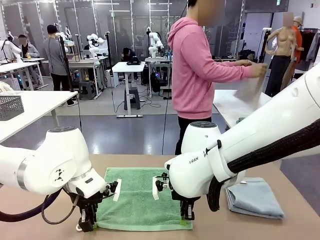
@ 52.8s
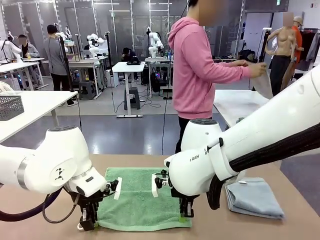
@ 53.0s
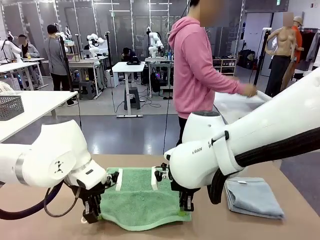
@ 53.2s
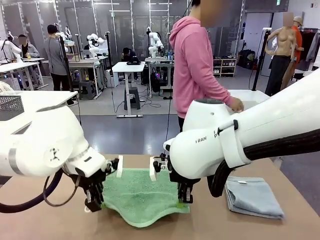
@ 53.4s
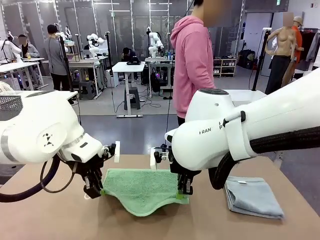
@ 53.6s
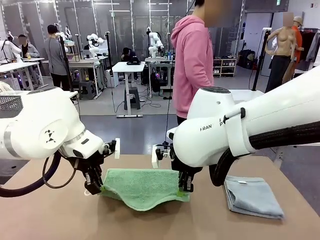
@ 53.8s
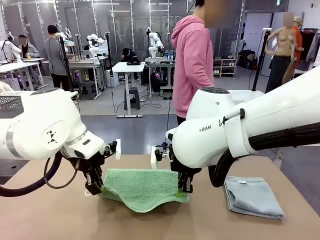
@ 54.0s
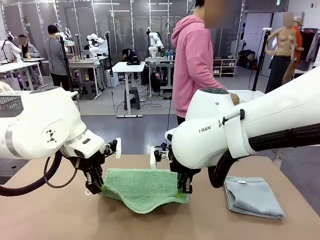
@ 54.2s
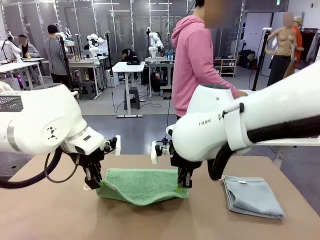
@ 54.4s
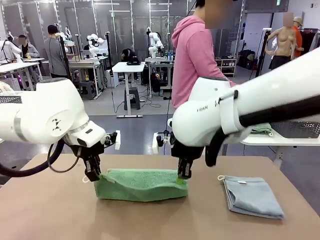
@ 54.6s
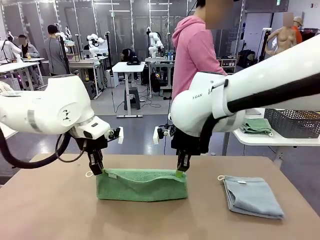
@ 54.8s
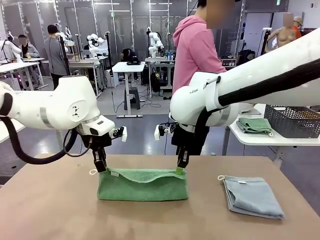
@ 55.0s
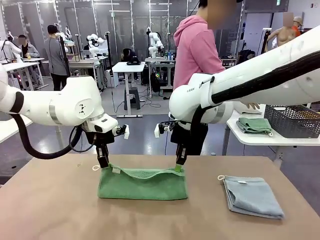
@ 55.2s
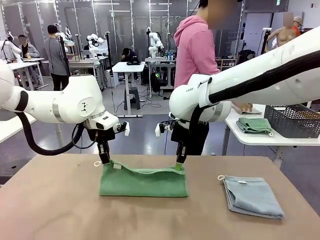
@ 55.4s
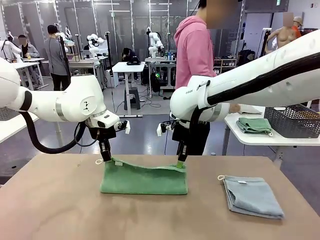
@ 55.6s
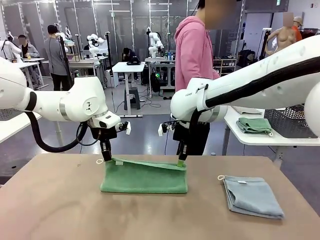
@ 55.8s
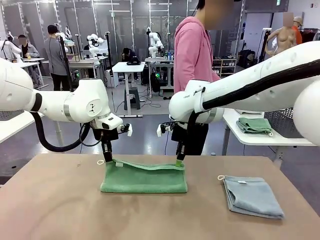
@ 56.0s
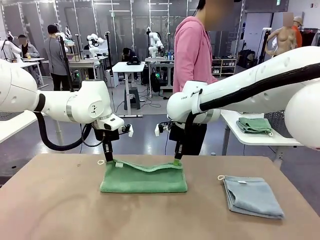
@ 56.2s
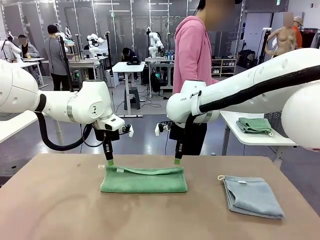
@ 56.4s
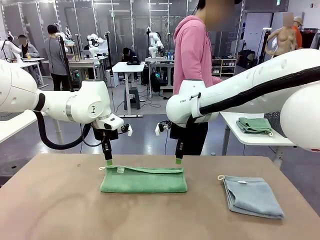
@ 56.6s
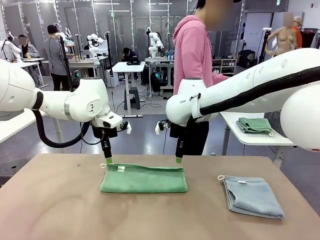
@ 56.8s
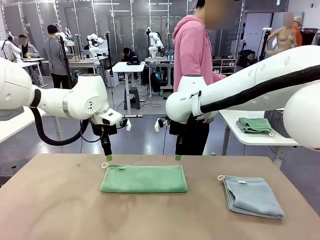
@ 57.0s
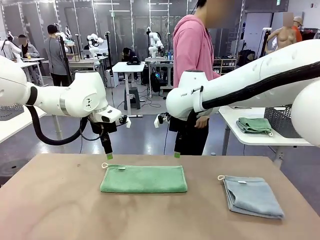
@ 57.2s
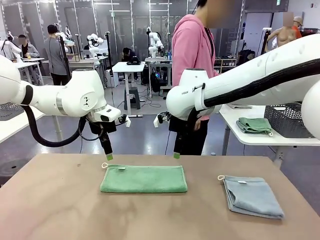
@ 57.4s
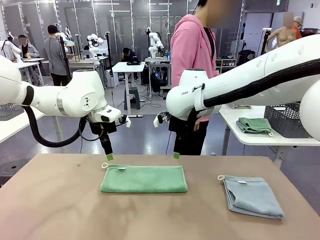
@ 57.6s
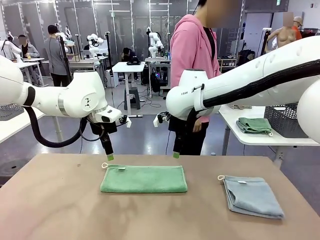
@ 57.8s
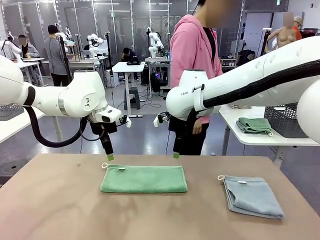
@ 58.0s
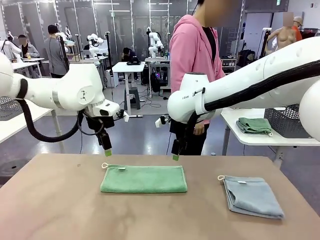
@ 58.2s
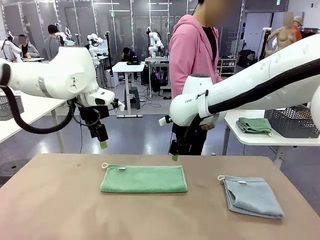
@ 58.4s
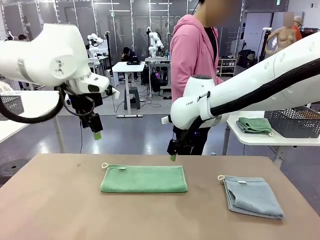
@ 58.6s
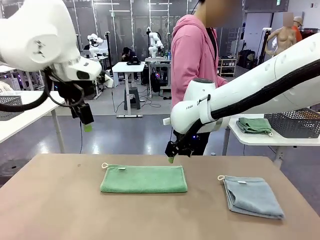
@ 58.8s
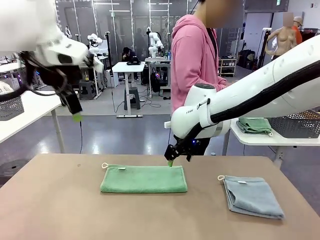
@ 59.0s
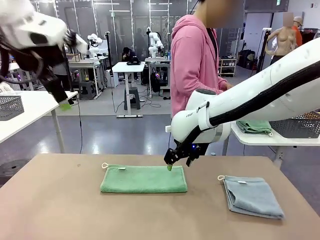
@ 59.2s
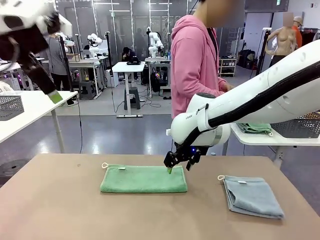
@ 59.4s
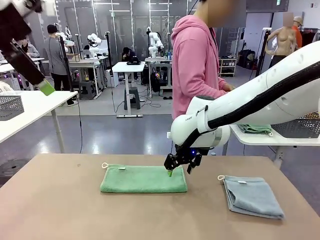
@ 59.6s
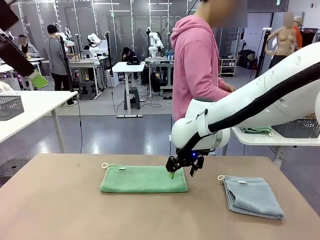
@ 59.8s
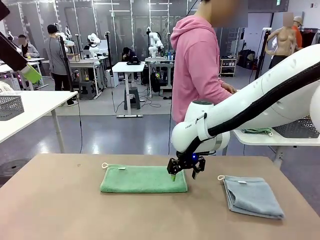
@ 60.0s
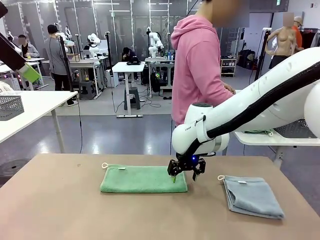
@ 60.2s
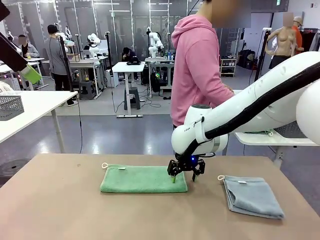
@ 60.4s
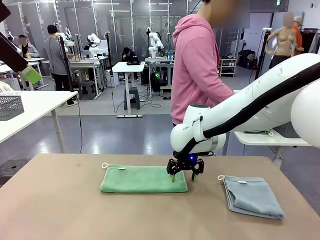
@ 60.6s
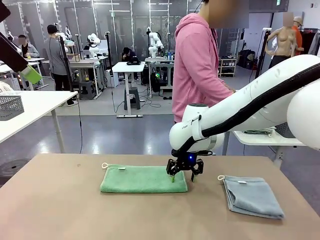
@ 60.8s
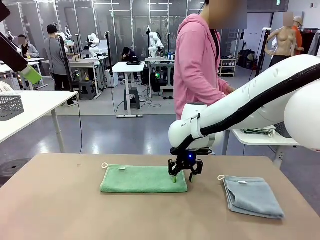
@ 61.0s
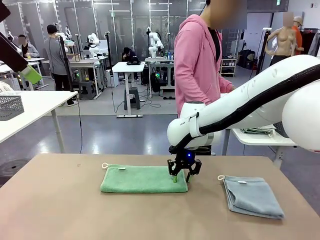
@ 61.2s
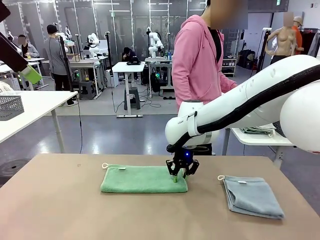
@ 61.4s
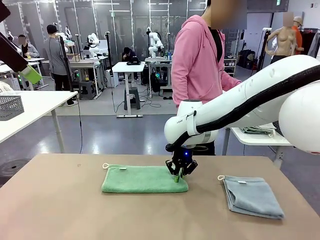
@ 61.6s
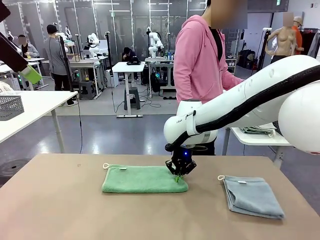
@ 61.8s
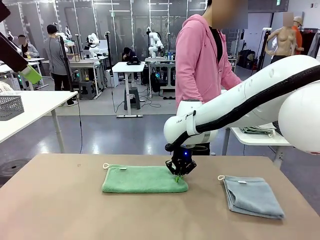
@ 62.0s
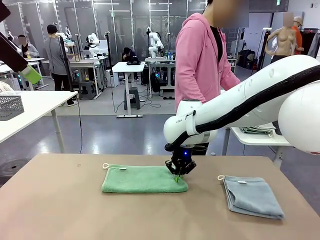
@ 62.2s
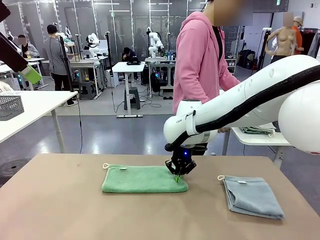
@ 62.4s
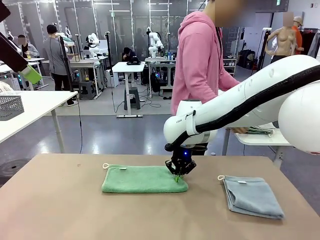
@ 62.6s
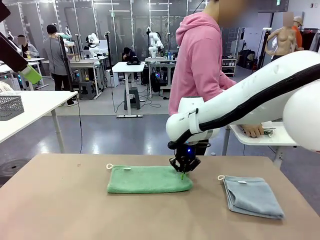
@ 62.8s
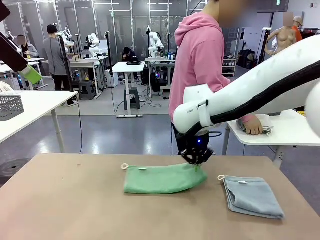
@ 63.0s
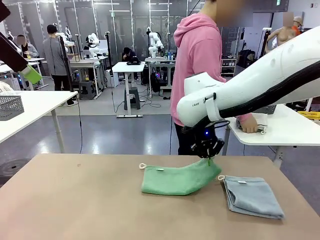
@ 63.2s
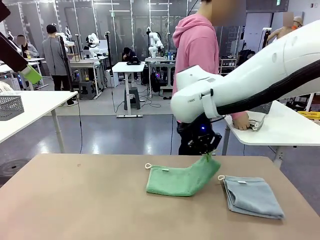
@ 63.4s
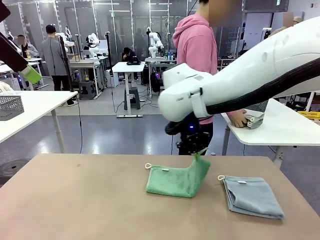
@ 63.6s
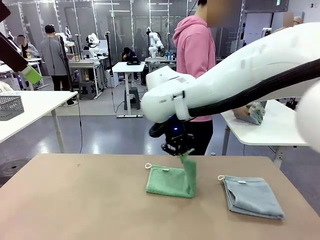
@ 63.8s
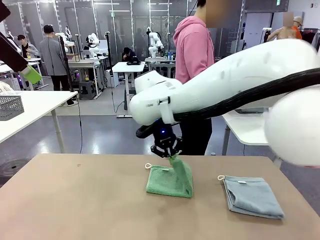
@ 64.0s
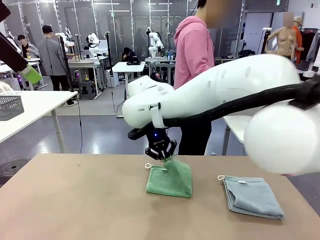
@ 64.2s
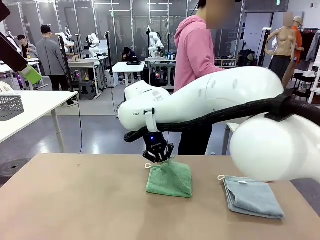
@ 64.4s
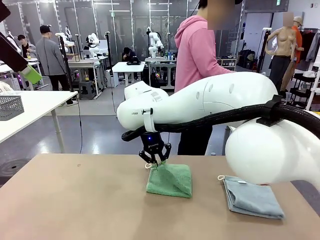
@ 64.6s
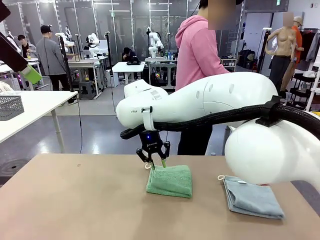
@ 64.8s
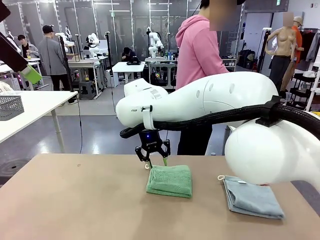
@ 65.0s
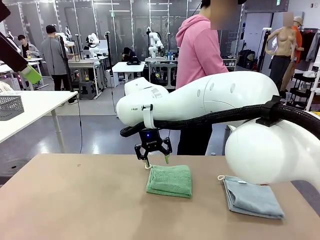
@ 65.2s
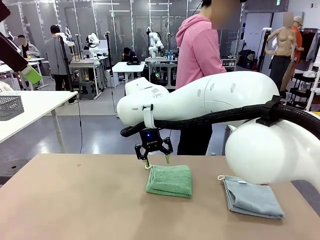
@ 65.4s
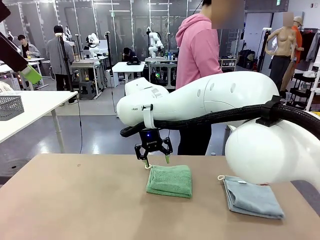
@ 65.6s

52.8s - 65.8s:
Task: Fold the towels and place them in the basket.
Robot: When a person lays out a Towel with hook on the table, fold it in half twice.
Person: Pick up one towel from the left side of the human table, fold it in half twice, and stack it on the right side of the table. Pick up the stack of towels from the right side of the human table, place it into the basket, and put the basket at the center of the table.
